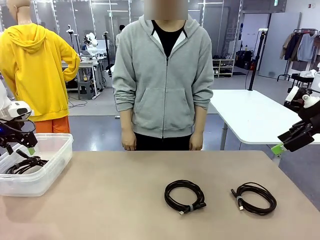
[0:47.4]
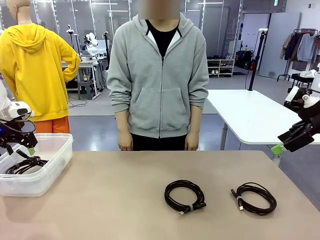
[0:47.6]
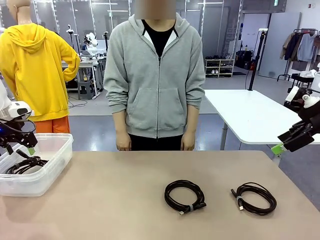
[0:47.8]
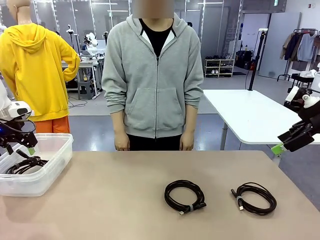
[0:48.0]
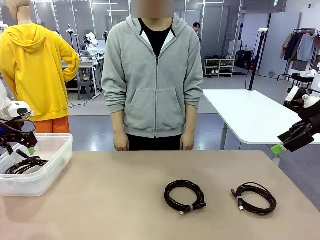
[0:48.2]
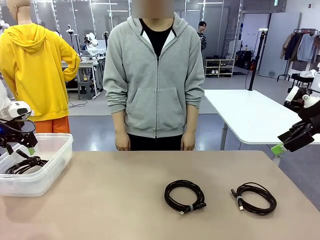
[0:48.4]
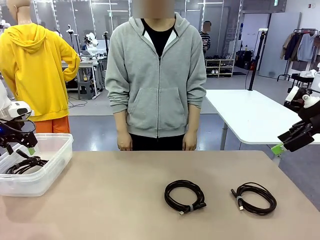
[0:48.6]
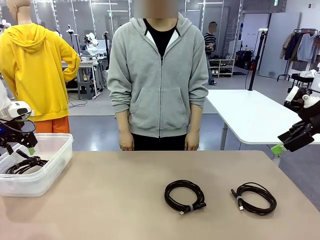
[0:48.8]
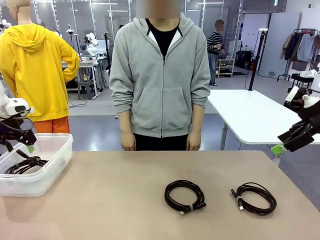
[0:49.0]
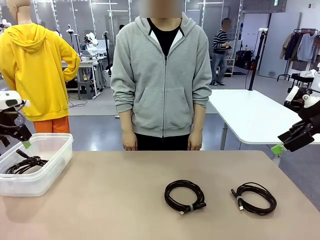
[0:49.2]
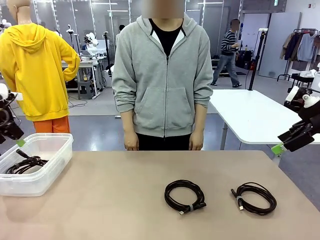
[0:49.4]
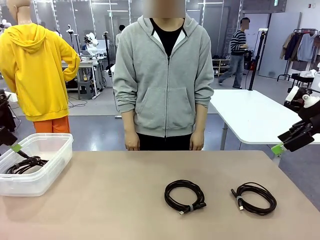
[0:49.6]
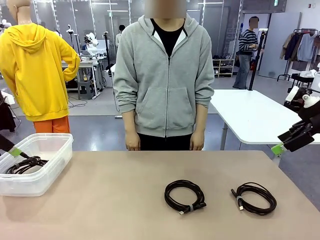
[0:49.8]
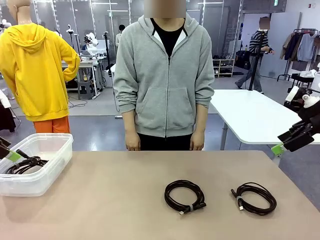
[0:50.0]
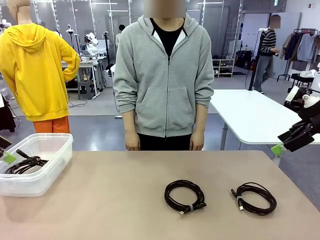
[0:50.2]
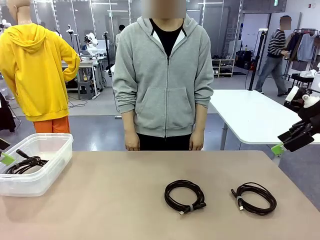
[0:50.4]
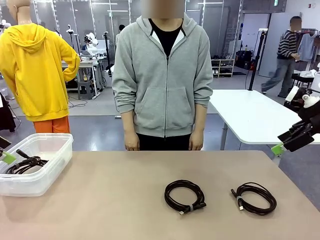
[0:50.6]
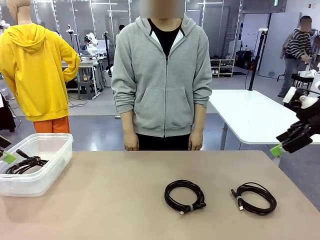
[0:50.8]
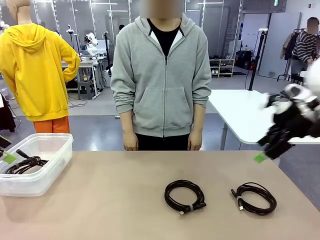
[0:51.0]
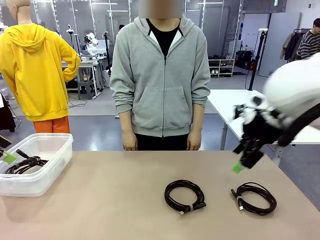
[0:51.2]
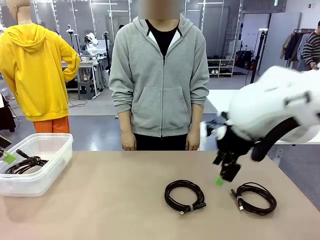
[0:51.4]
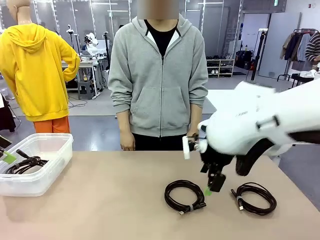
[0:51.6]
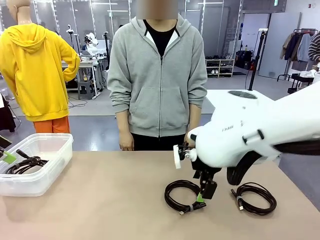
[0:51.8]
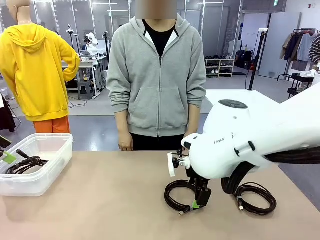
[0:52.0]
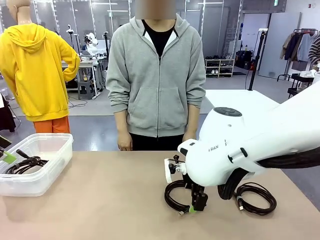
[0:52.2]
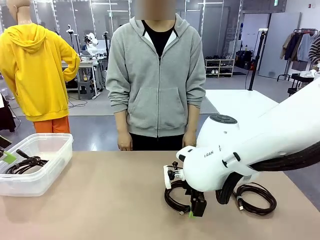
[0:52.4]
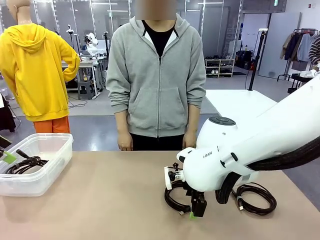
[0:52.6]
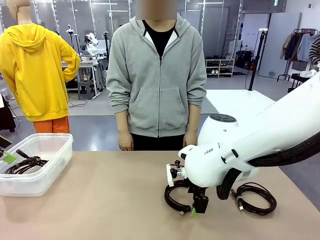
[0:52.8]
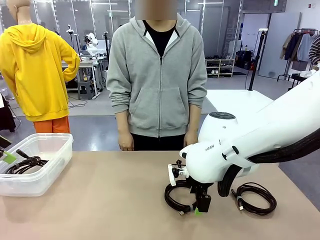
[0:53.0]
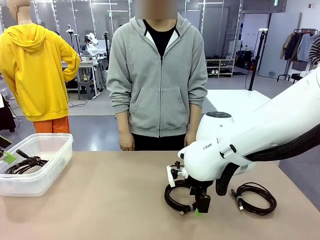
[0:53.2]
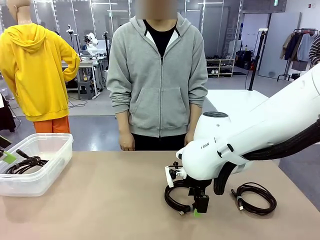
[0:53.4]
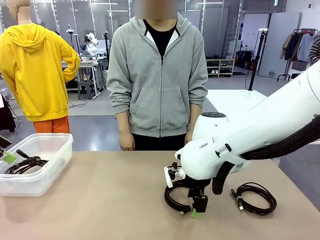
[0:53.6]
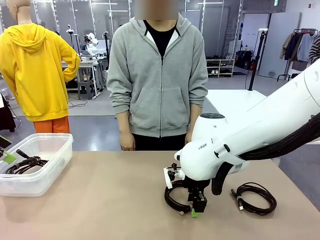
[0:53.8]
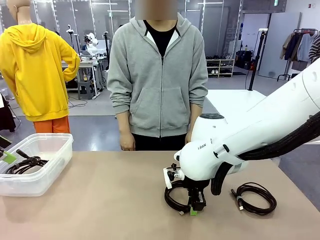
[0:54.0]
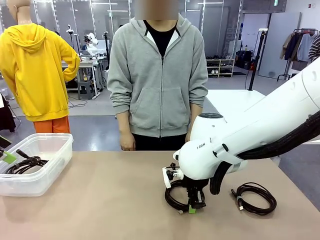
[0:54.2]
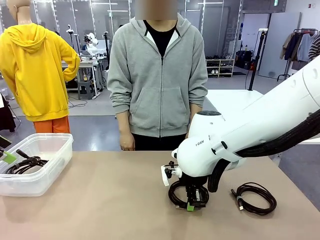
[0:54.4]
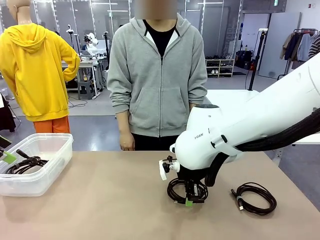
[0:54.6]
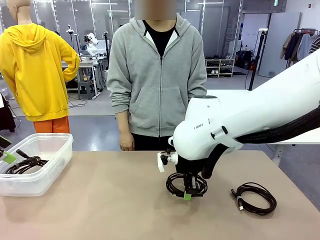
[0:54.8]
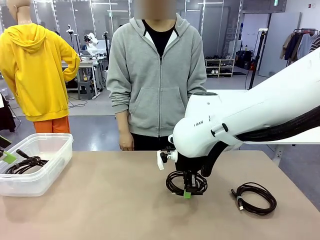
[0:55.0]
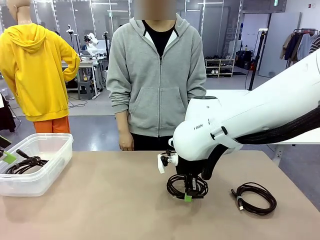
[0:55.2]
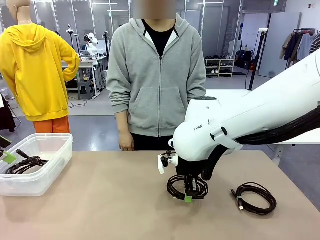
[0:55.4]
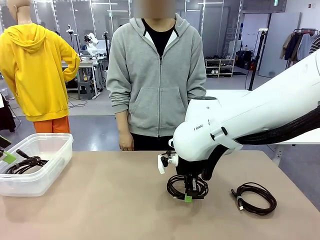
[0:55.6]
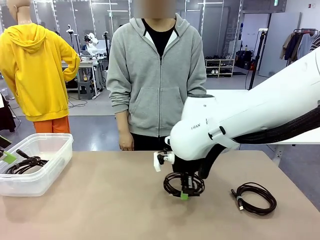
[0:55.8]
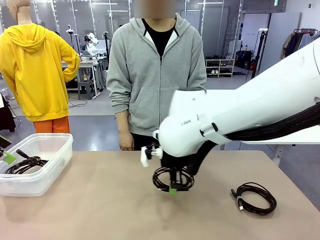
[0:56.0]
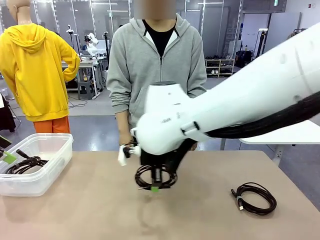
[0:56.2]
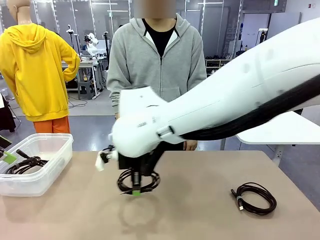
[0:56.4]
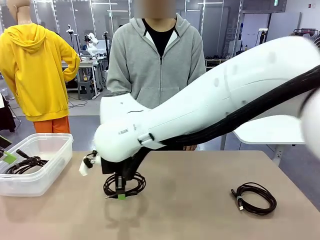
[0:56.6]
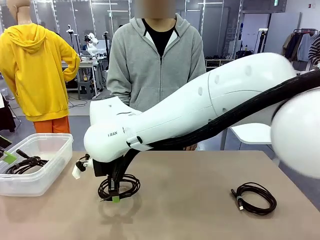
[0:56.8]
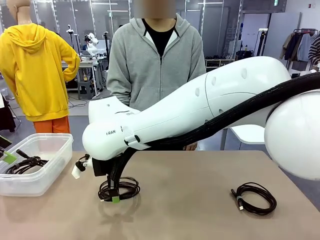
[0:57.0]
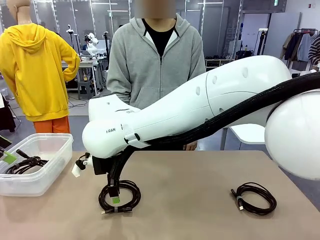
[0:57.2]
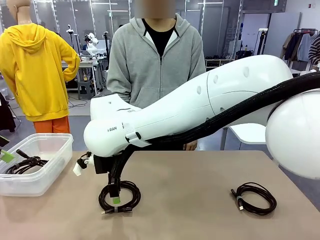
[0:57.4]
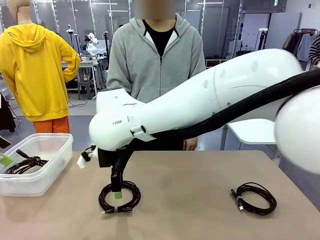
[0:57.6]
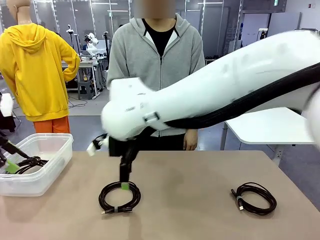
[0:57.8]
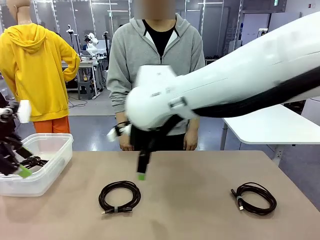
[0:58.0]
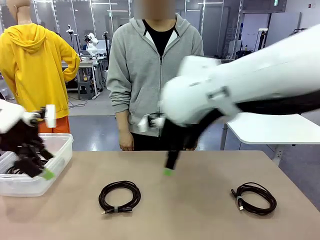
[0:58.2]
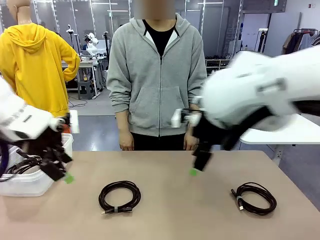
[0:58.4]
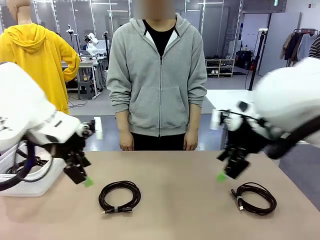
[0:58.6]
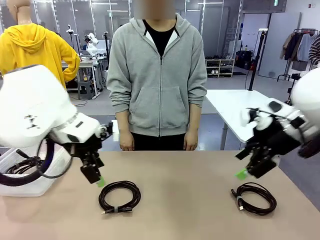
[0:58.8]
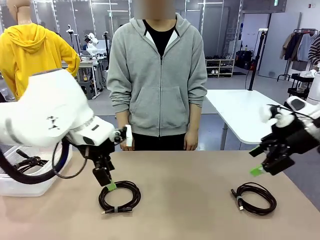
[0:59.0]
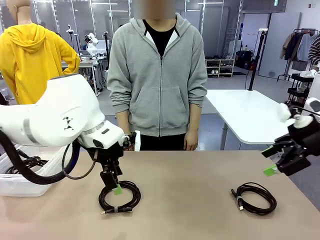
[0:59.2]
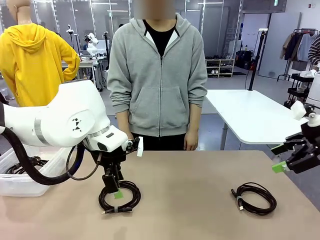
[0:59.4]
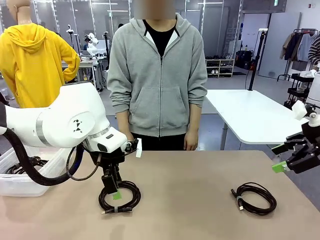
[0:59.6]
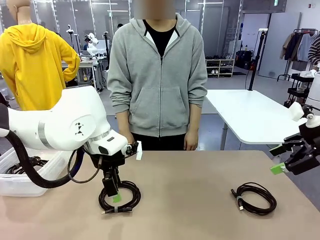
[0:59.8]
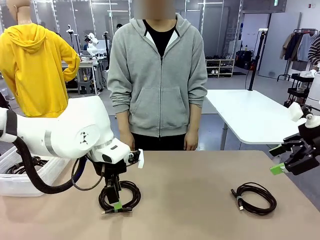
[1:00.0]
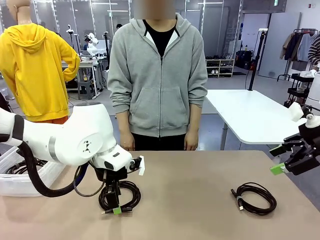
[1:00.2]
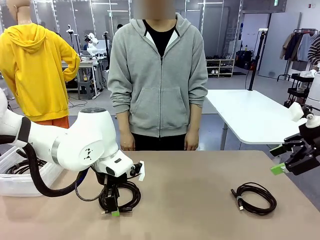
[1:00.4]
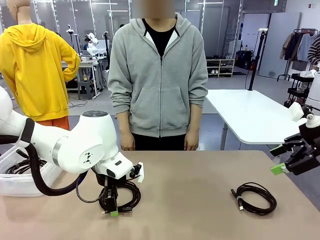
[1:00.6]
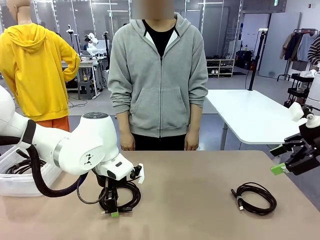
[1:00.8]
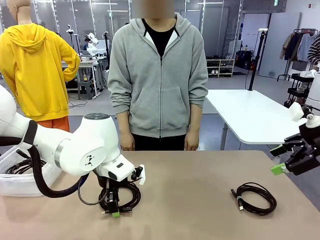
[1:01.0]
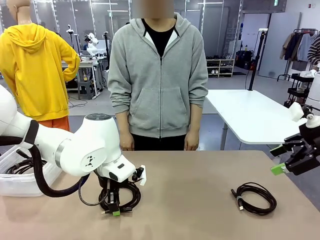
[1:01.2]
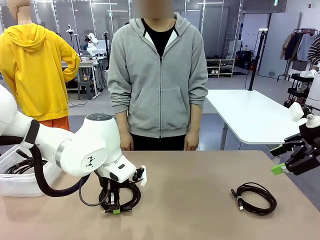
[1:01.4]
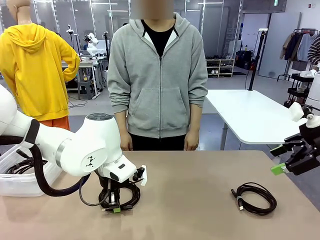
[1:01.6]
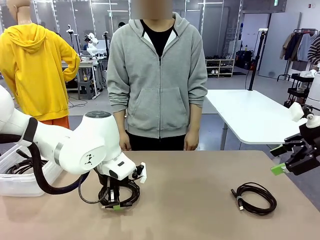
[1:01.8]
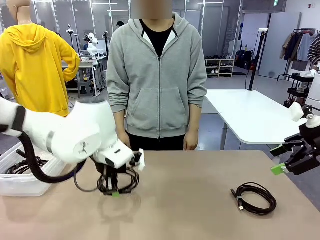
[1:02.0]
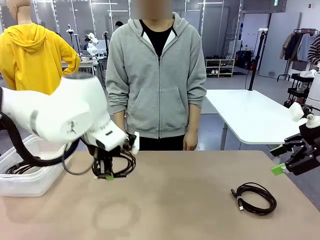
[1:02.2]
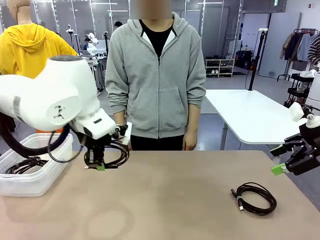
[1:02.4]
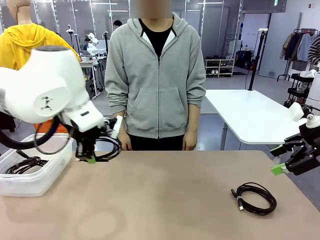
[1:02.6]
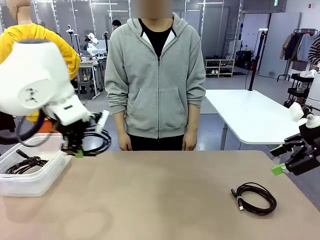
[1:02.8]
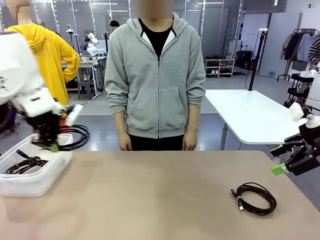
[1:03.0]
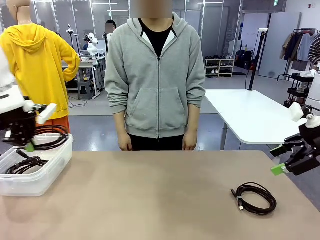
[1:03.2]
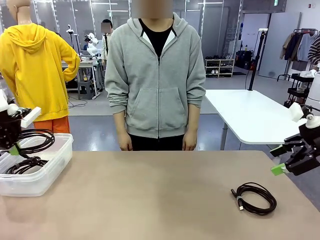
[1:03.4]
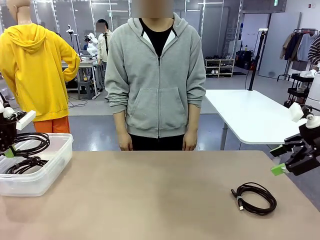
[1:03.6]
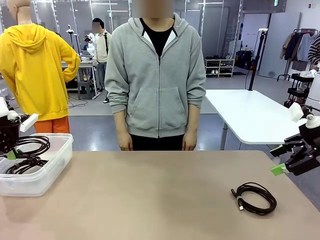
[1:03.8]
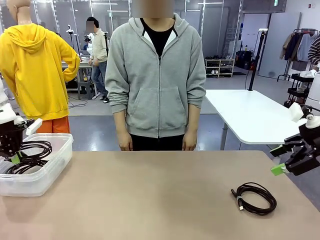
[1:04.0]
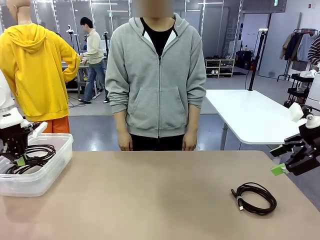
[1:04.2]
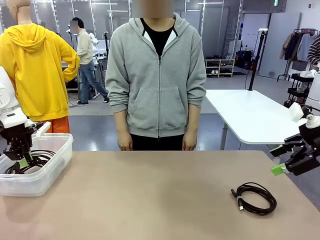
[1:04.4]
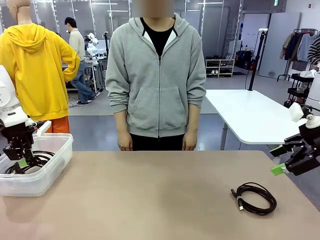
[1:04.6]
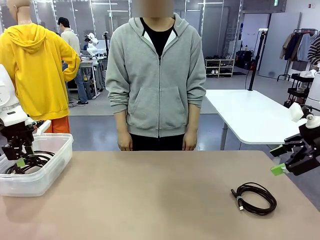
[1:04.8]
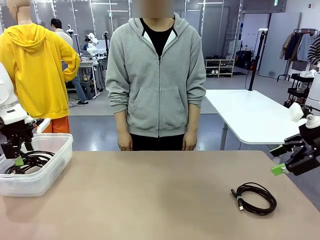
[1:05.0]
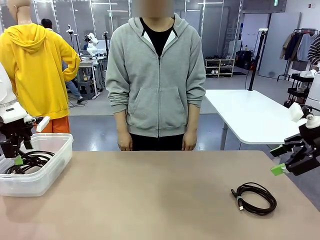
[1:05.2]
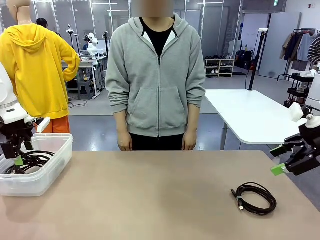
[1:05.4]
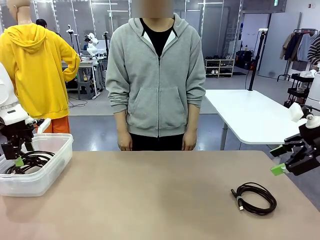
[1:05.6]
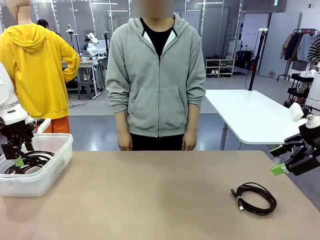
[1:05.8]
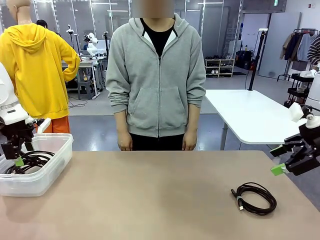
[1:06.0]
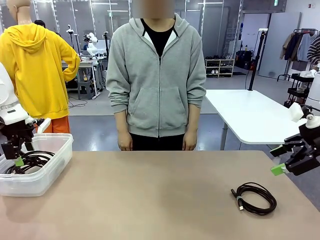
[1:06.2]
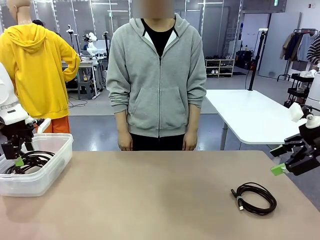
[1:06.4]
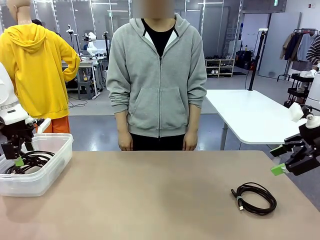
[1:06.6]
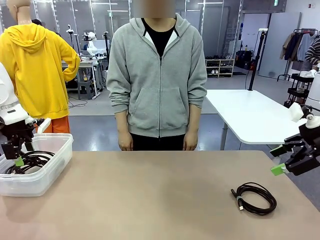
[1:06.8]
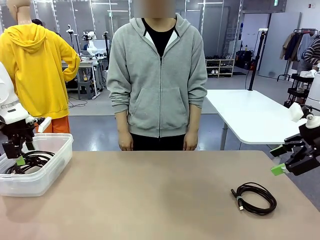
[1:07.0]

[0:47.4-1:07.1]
Task: Organize and store the cables.
Robot: Place the USB Extension Cable into the Organizing box.
